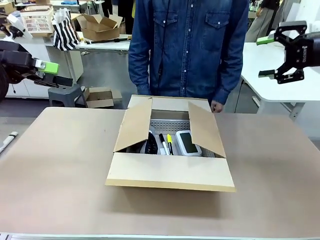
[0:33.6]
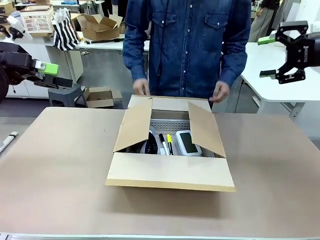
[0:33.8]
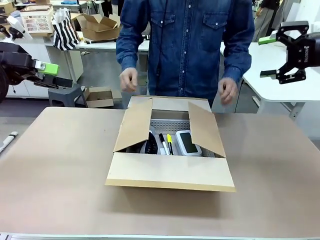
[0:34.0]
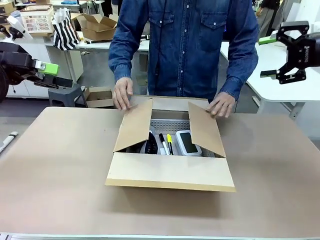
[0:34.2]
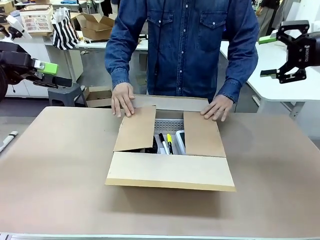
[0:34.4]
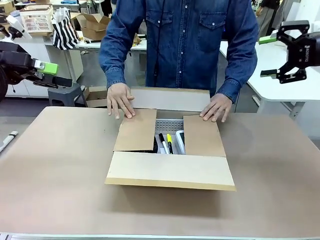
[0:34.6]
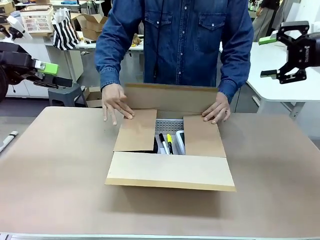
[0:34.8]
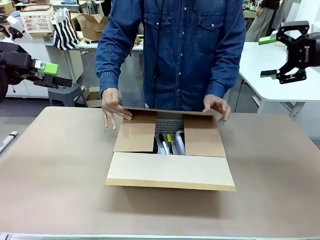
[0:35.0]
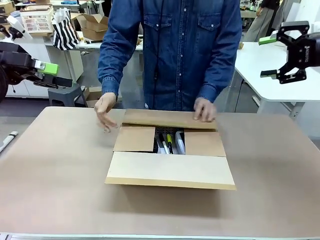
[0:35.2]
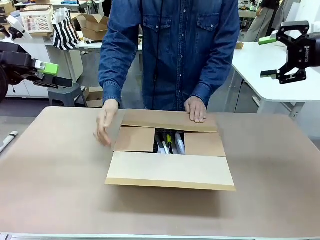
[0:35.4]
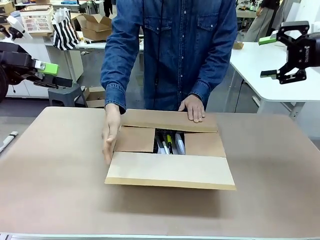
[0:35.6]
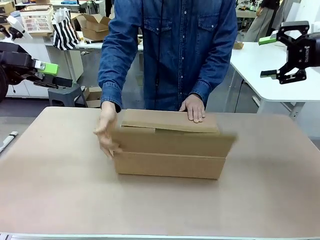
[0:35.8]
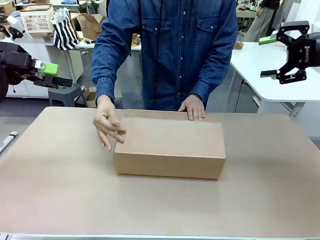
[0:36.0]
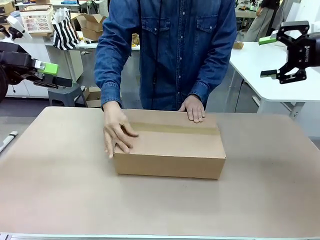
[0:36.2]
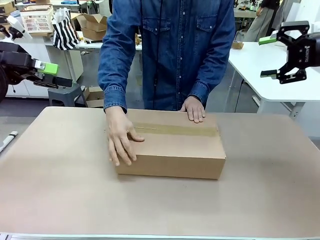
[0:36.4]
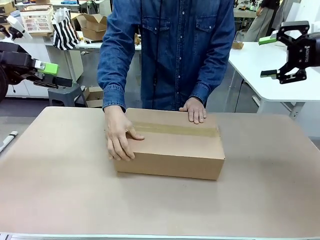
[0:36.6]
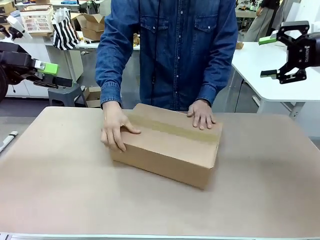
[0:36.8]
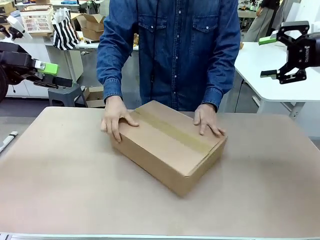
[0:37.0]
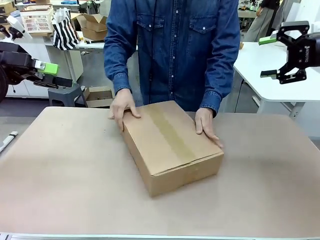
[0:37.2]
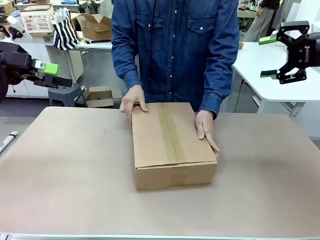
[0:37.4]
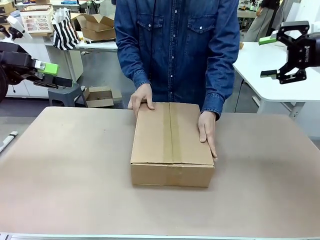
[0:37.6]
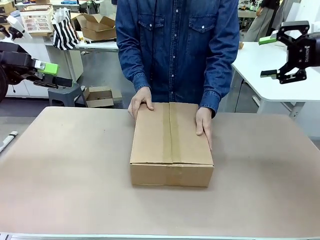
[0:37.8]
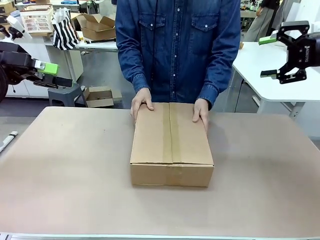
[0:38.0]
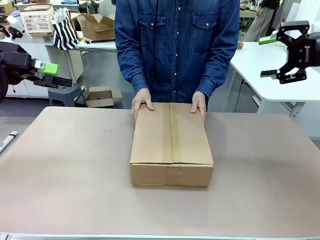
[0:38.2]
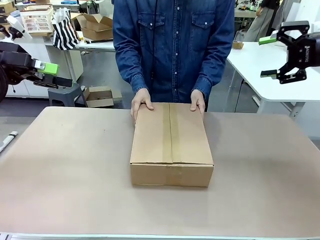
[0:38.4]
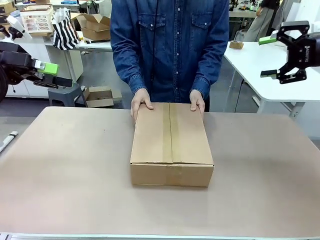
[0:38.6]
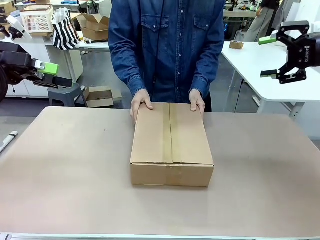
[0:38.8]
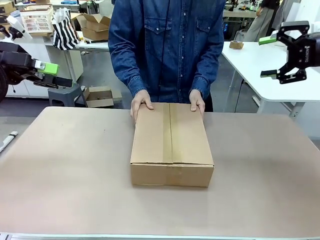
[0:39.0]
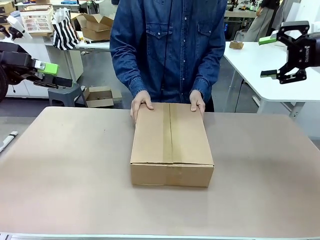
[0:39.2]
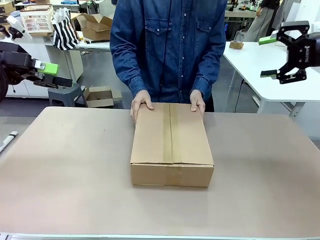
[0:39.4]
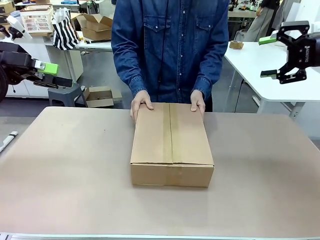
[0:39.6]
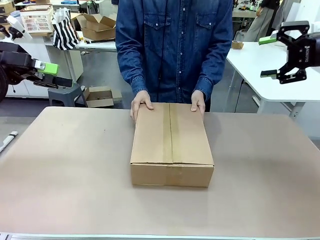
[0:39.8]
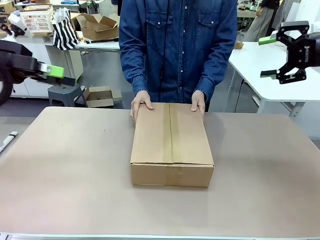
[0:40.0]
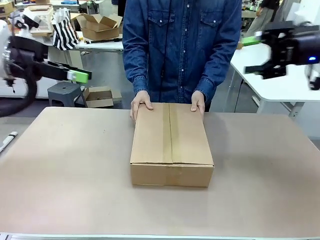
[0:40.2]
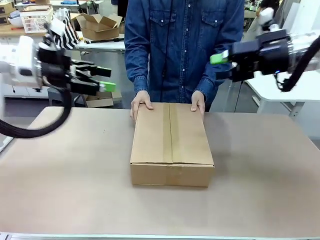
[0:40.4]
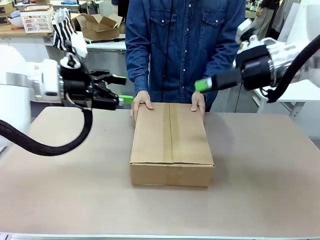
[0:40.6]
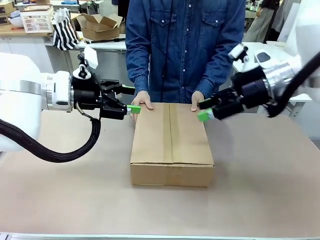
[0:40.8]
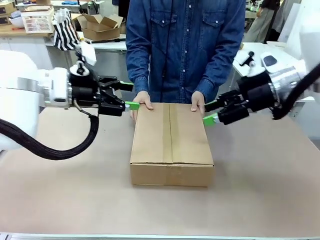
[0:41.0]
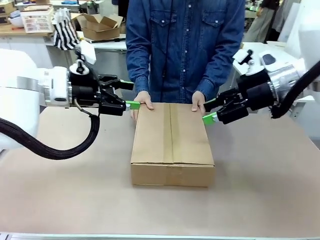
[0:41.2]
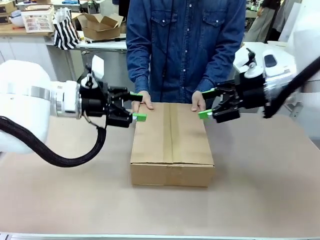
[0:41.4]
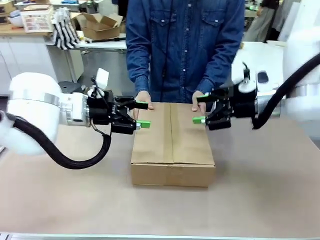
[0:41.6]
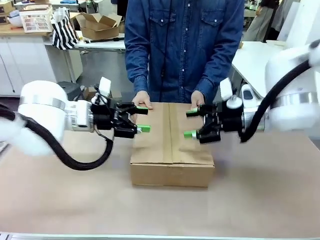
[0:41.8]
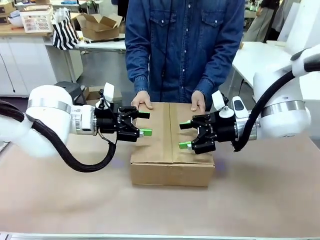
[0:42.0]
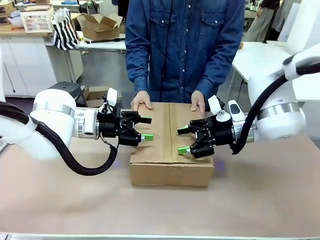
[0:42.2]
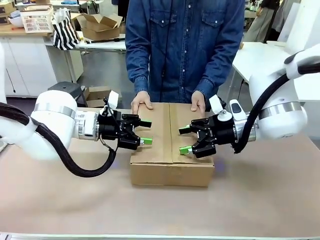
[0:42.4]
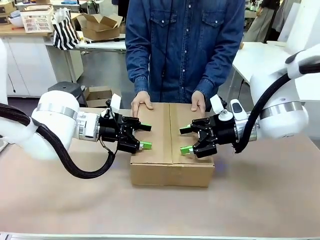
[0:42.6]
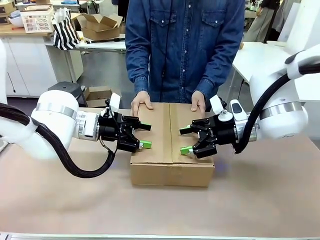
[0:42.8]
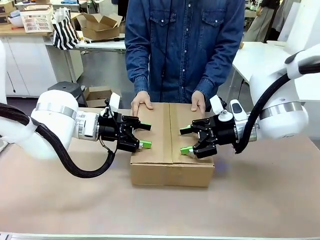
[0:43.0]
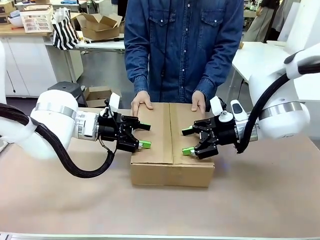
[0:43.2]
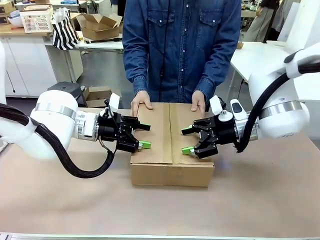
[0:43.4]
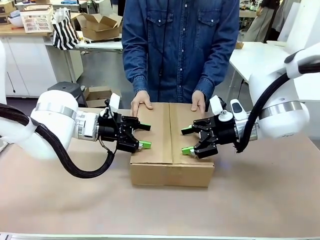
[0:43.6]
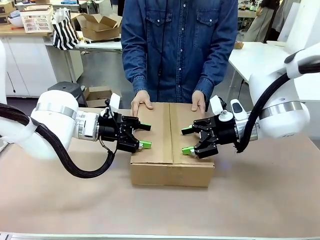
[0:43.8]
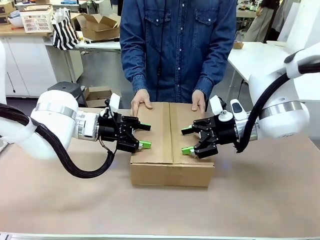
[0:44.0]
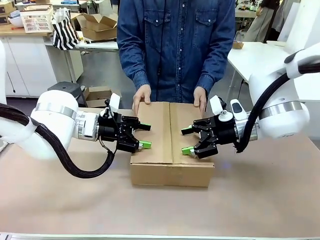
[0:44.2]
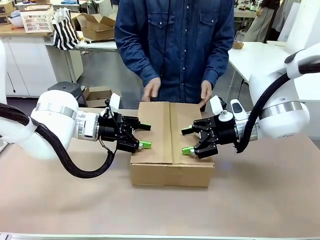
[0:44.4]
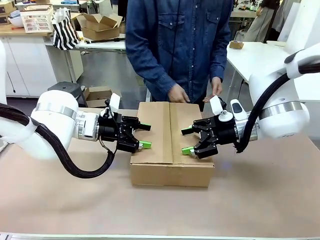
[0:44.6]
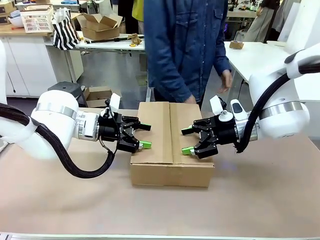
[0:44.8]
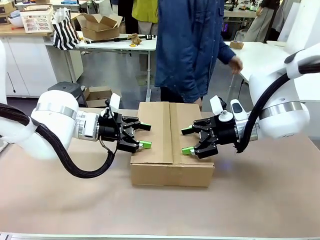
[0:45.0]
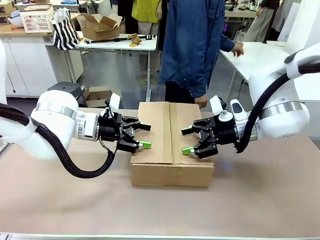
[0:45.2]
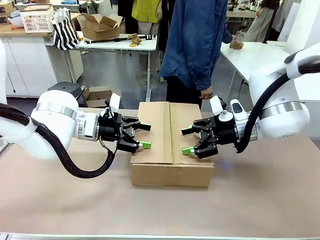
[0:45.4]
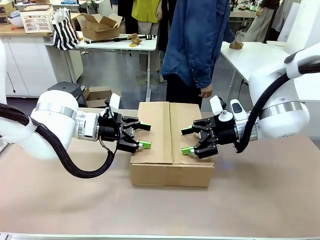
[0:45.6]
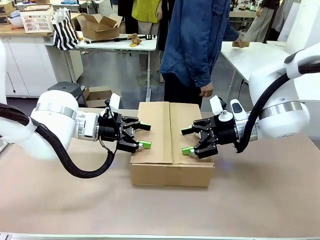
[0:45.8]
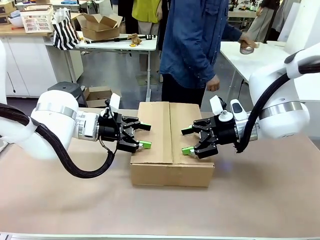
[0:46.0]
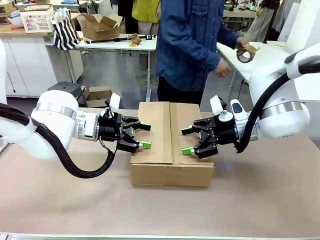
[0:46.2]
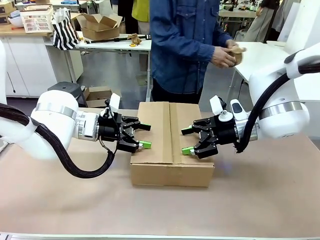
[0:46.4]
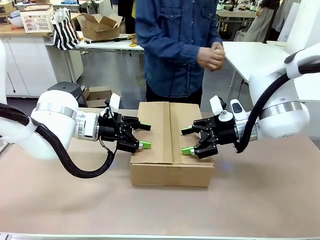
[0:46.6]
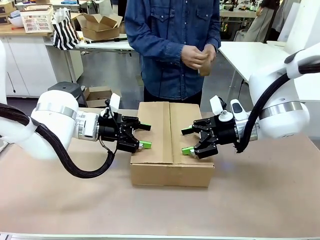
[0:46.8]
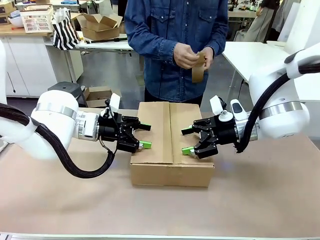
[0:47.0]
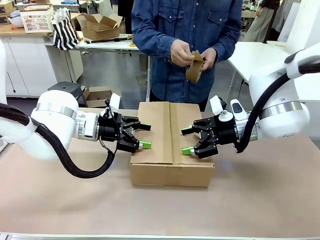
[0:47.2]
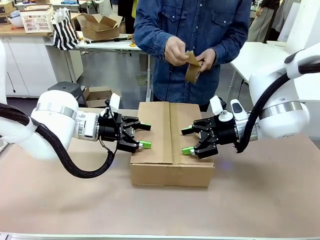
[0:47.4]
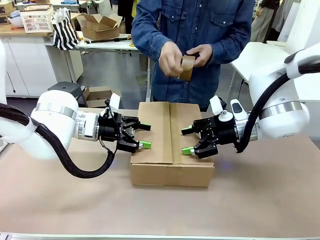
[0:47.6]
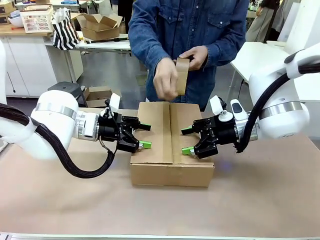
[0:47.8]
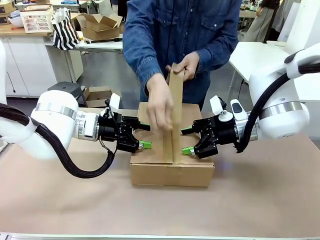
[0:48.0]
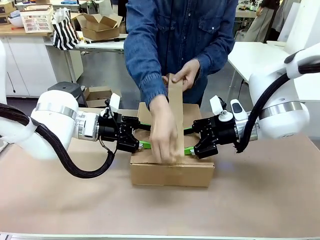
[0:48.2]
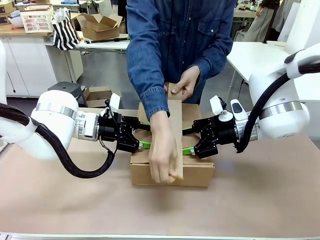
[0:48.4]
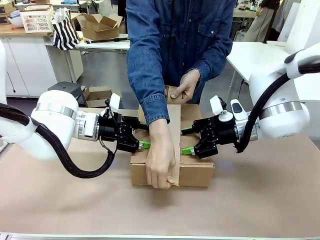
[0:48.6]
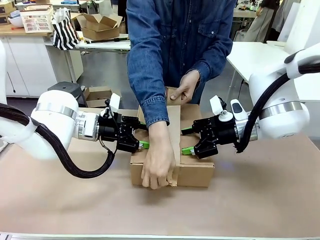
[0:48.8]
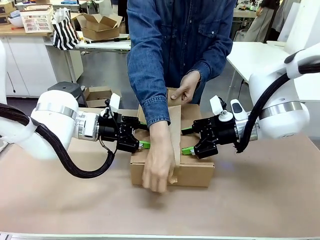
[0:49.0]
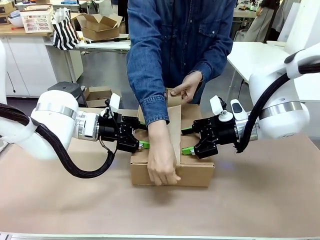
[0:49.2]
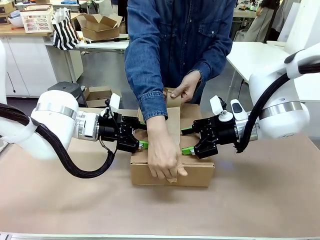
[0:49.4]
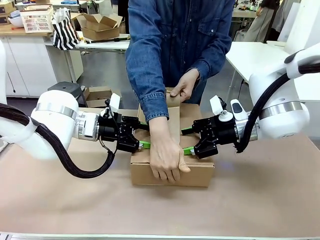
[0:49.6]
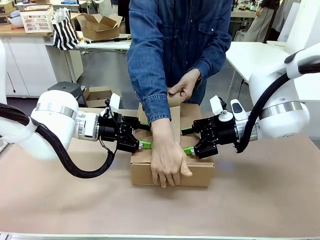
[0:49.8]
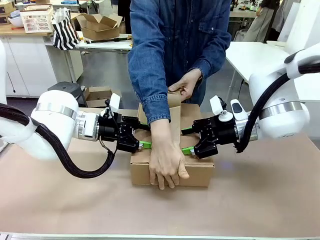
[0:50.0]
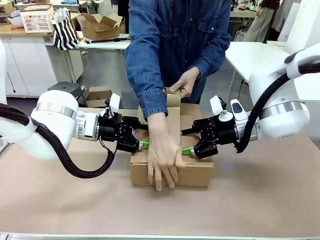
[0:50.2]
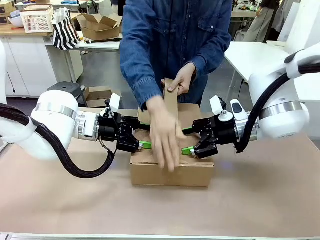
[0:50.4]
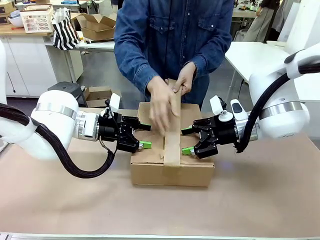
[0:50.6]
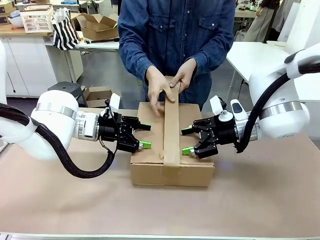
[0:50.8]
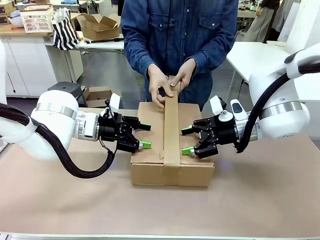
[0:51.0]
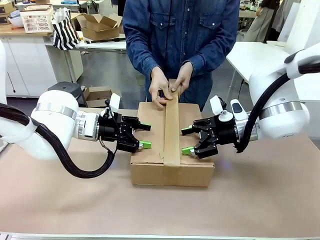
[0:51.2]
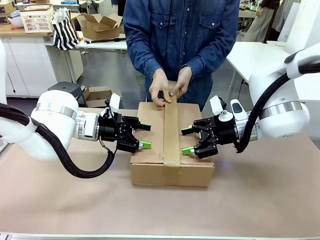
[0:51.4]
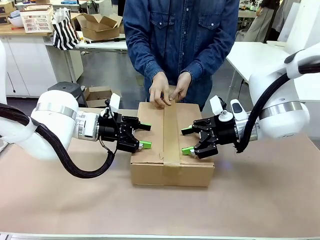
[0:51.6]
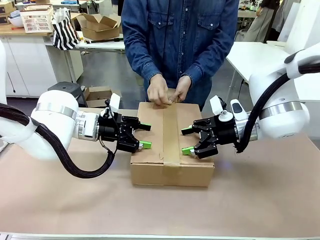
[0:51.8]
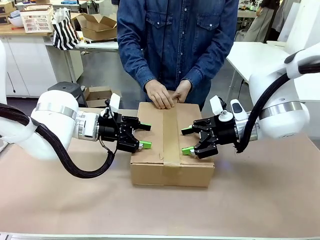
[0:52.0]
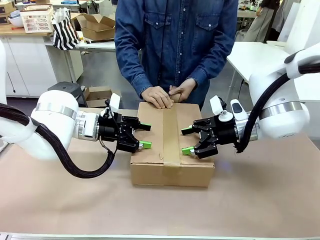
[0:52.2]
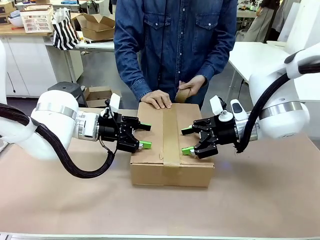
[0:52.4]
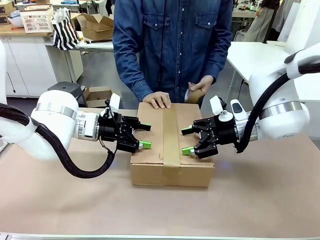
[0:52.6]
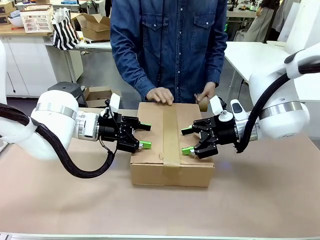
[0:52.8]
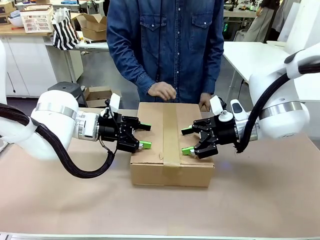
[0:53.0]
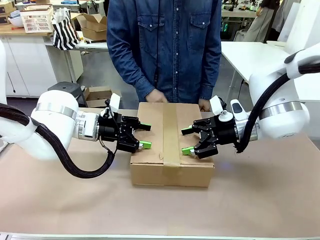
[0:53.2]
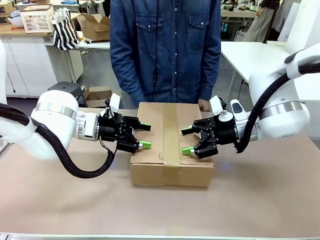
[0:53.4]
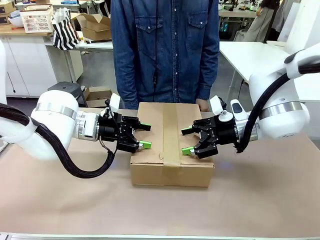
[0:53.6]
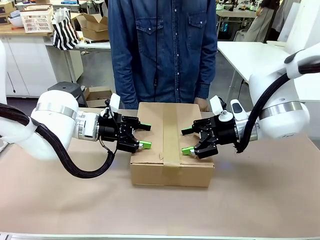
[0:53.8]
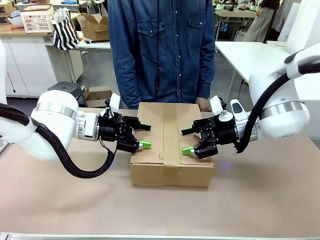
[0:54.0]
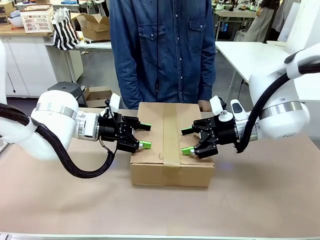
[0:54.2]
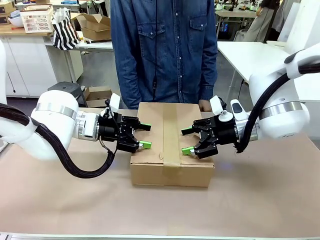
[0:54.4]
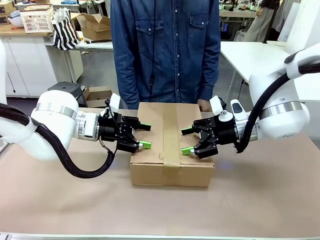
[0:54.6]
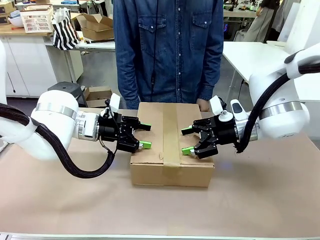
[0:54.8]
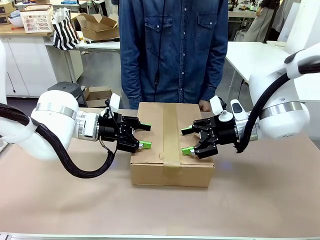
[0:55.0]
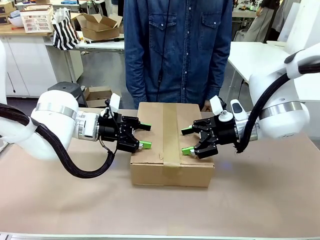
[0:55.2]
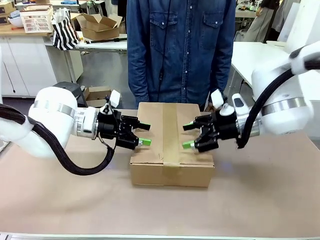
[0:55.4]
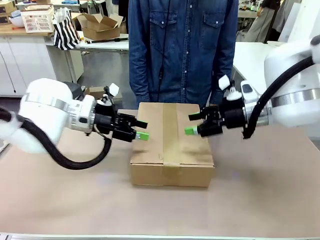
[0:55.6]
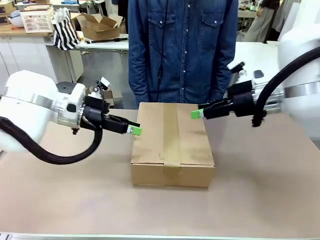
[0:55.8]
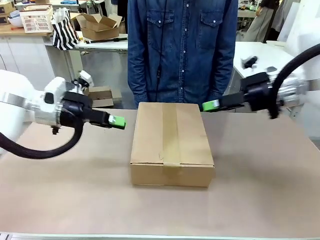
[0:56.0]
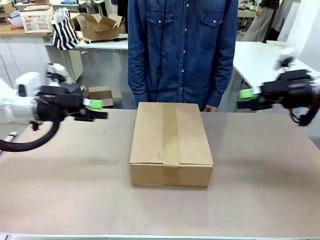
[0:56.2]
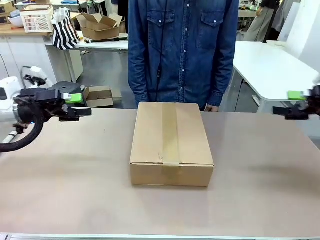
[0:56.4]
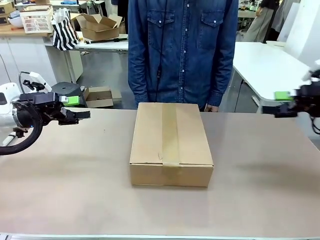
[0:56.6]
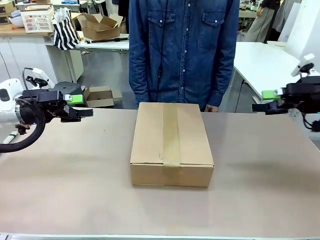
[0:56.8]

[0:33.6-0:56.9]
Task: Pack the gift set into the box.
Robot: Press and hold the closed box until the human finishes sealing it.
Person: The human closes the box and rotates the box by 90 degrees. The human picks up the paper tape from the human table and packs the box.
